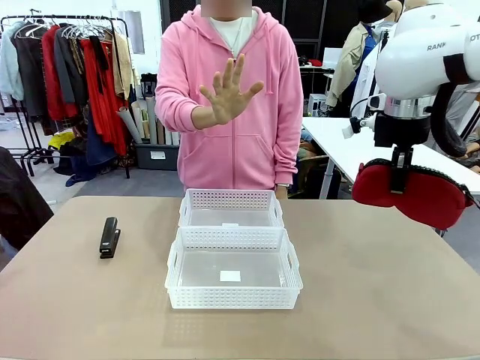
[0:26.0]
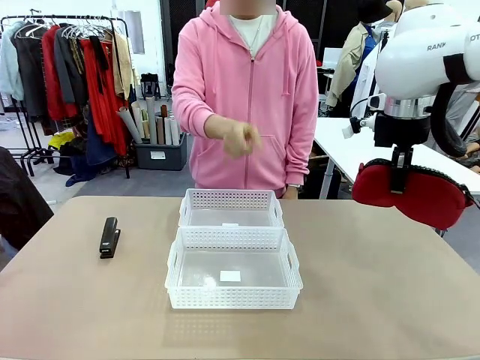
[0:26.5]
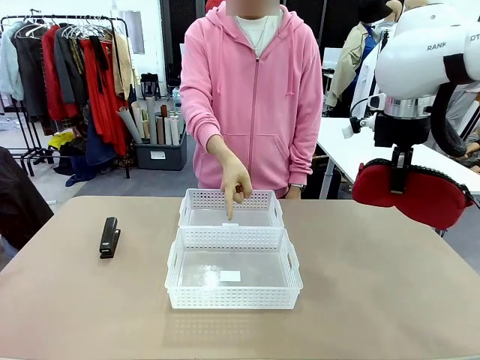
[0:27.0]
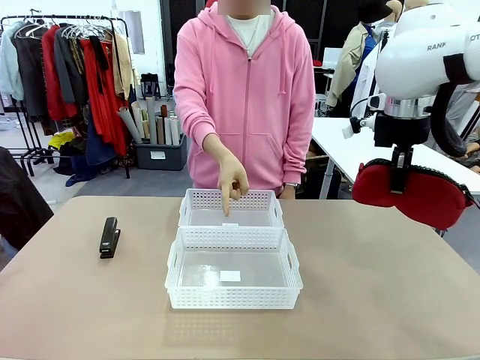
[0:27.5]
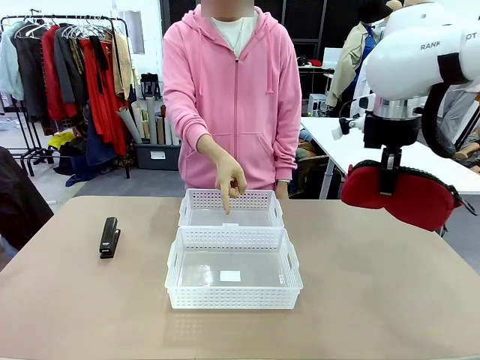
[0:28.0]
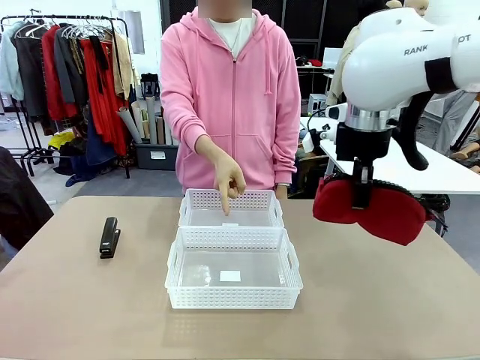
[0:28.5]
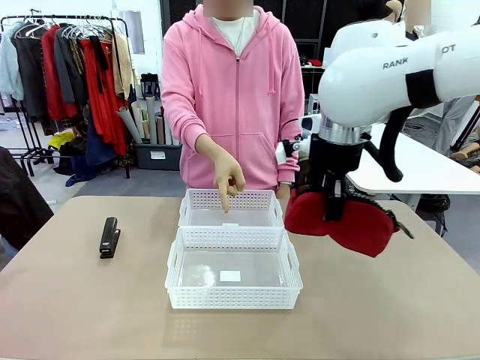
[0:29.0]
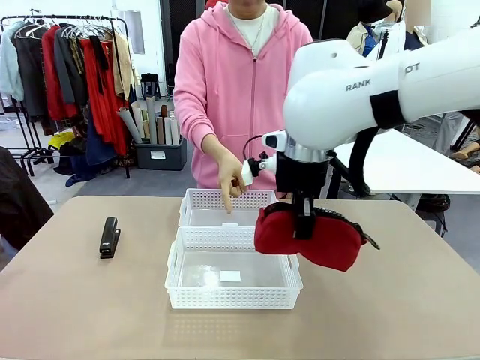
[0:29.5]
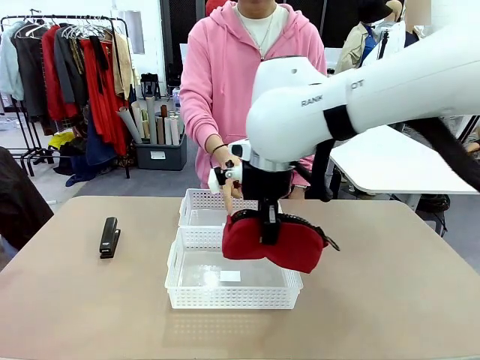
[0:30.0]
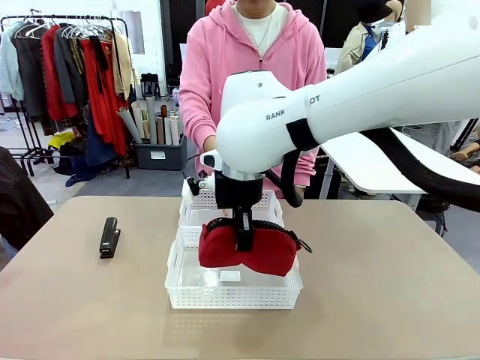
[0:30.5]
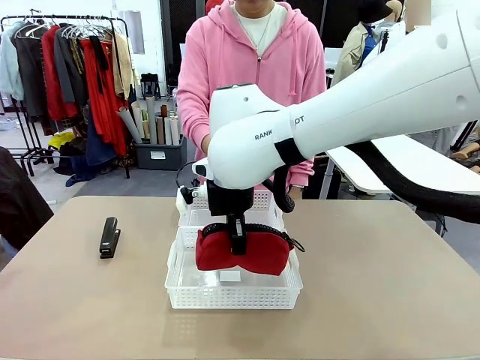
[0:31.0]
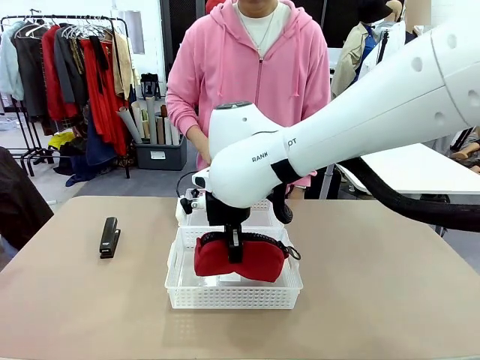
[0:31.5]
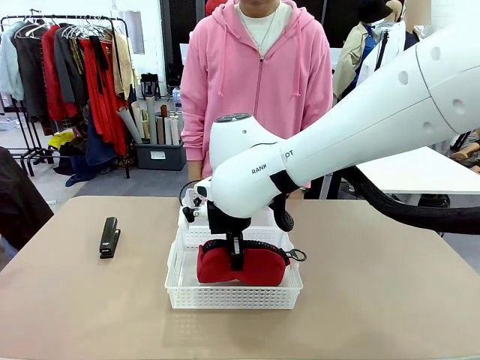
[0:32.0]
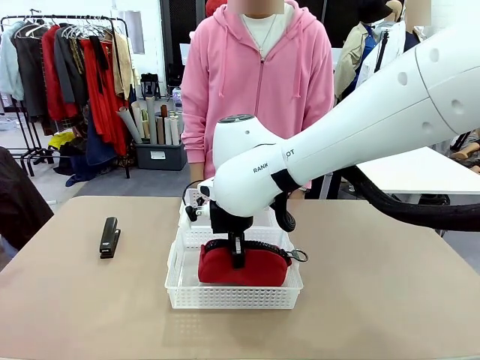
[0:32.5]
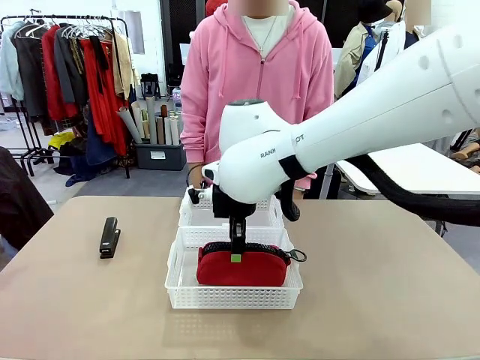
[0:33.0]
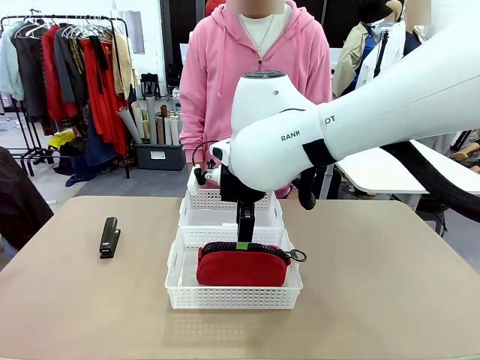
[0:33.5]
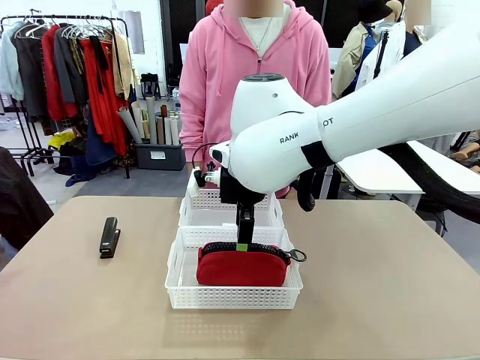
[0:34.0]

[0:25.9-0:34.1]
Task: Distribute items into two baskets.
Robot: Place the picked Pencil pouch into the Organizing basket as instructed by the person.
Person: Instructs the robot to place the pencil case into the opposite basket. Points to the stapler.

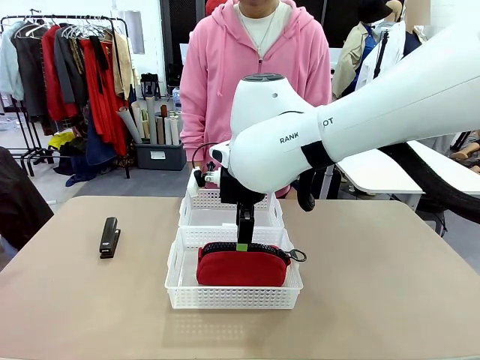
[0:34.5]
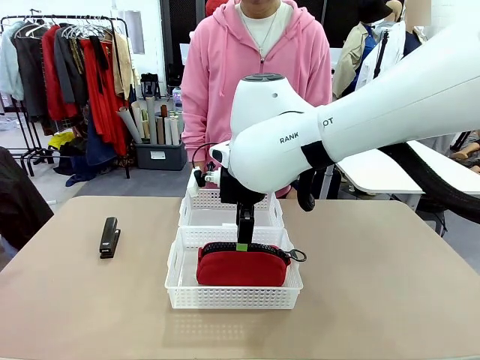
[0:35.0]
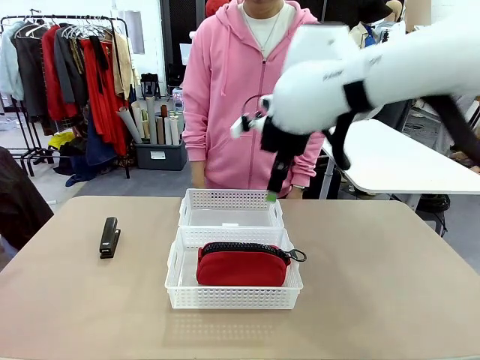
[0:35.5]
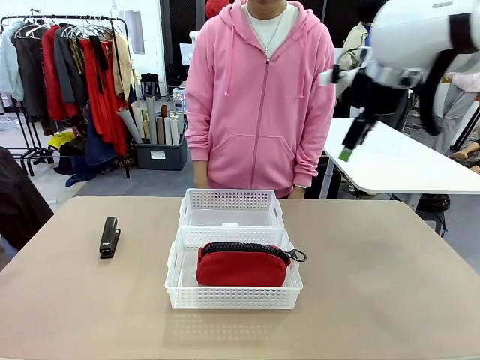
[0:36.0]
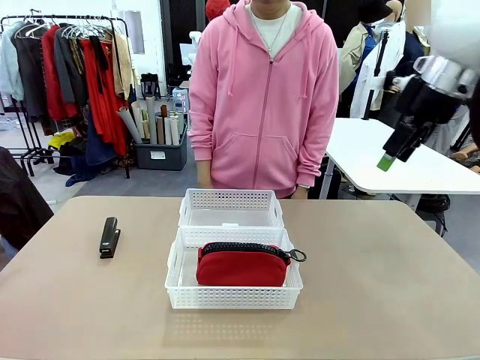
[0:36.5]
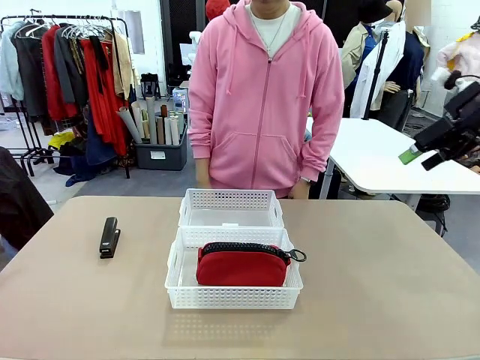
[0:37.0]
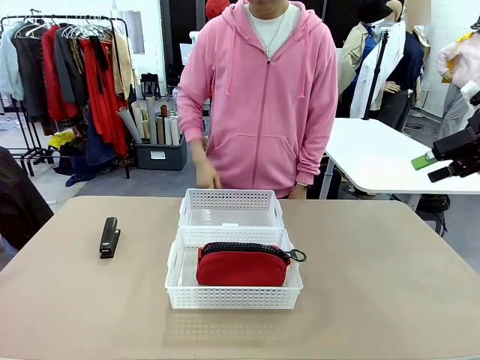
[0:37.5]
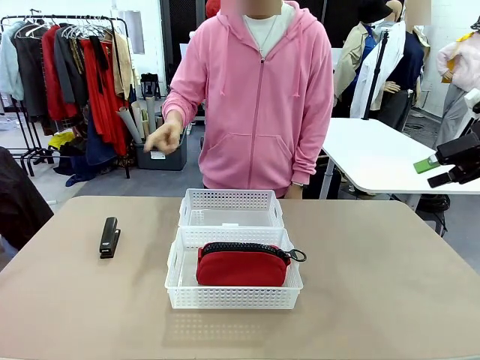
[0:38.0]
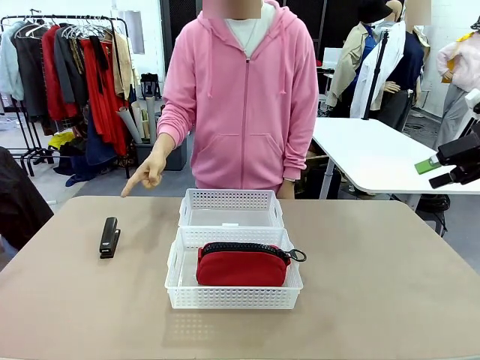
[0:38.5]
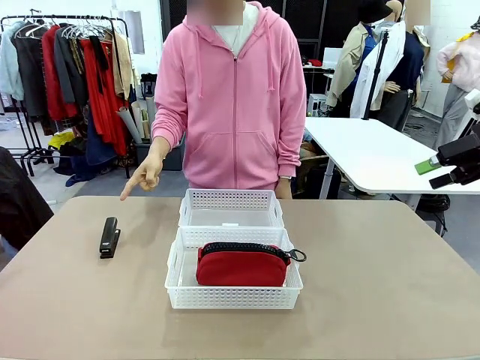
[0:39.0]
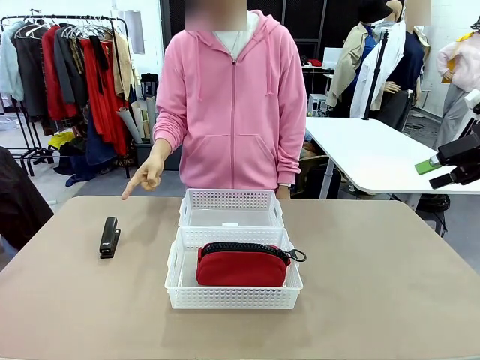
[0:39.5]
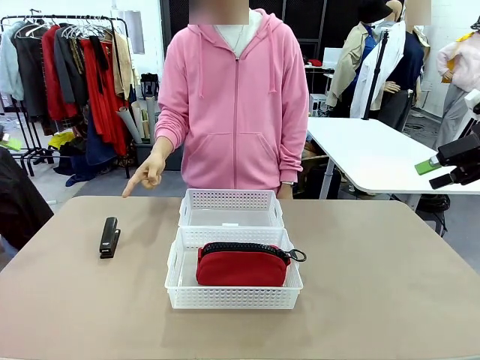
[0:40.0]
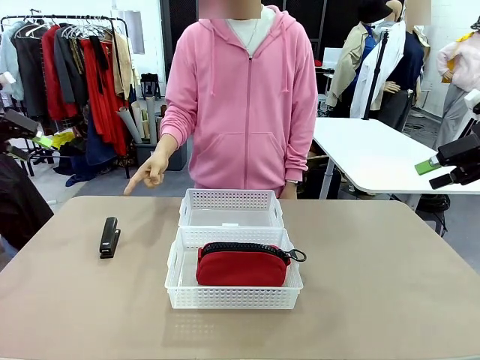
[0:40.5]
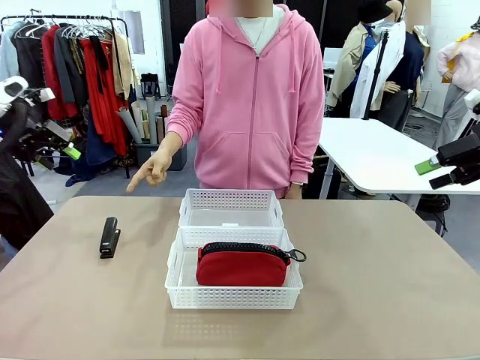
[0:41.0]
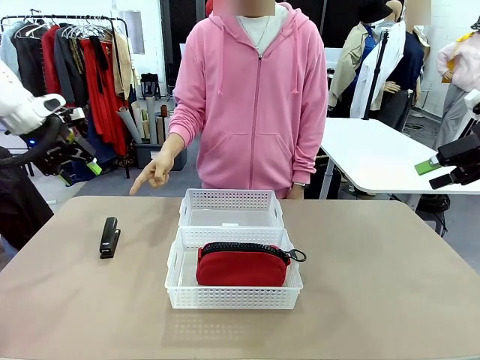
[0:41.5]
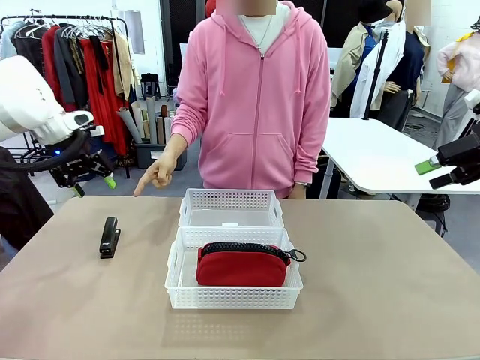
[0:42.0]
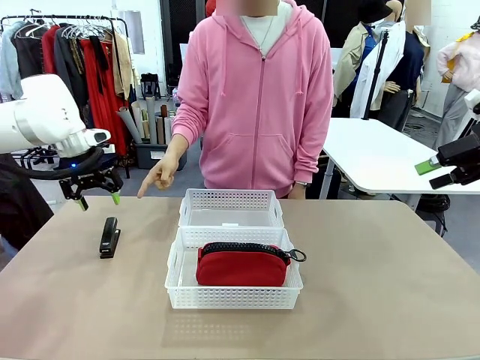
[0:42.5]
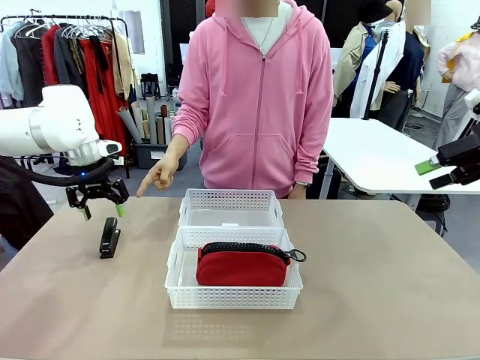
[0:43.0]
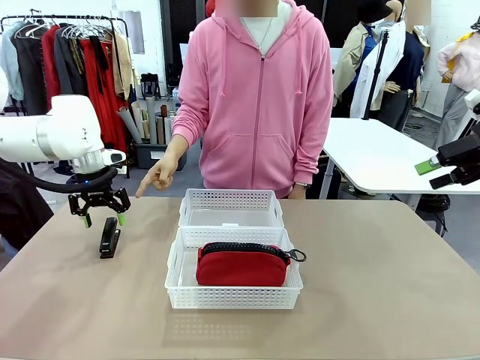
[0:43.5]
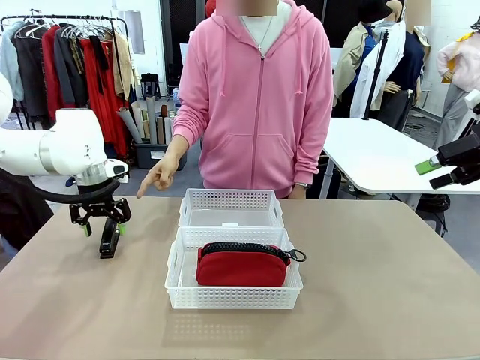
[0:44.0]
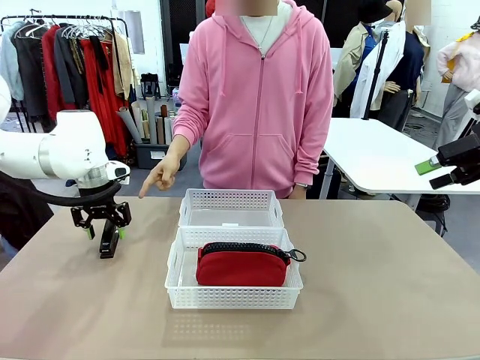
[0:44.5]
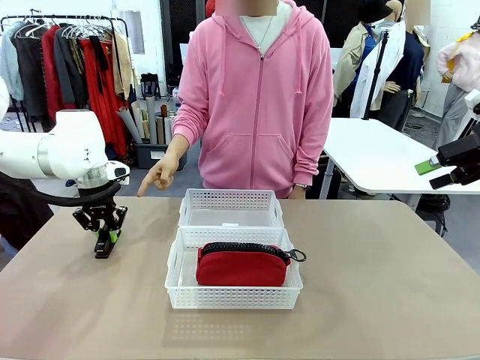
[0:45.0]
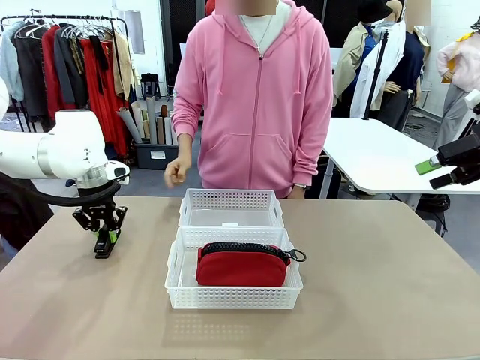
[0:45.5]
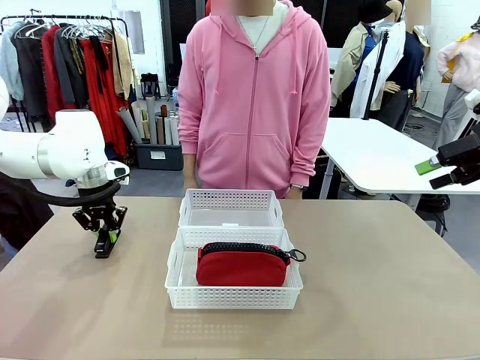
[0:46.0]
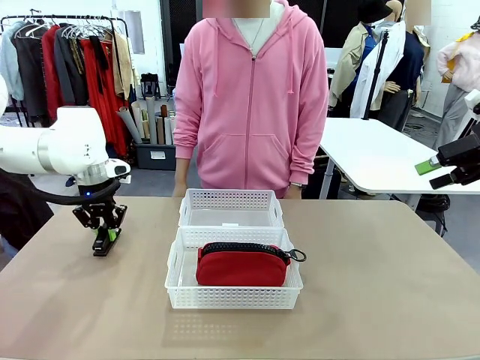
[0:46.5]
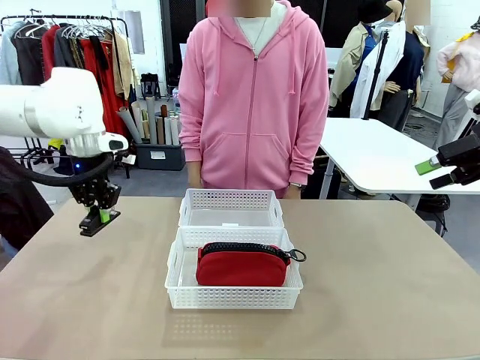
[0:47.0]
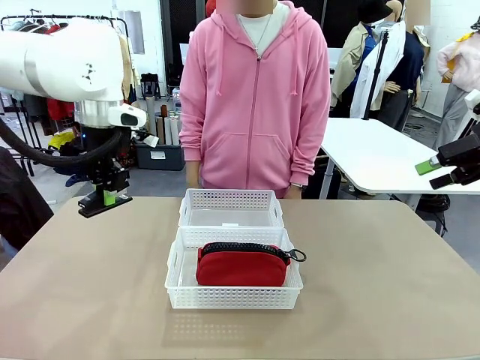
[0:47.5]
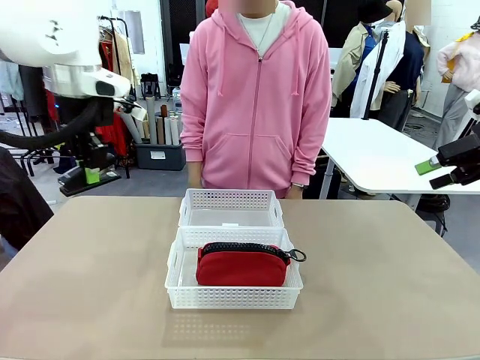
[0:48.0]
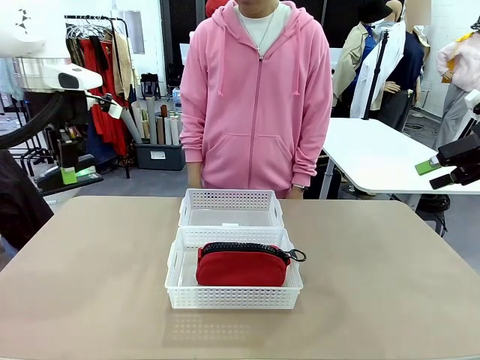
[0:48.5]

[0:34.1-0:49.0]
Robot: Pick up the Stapler that the person points to.
